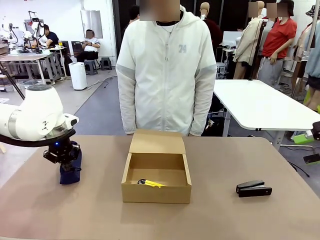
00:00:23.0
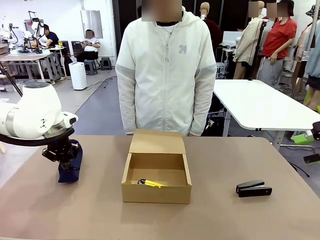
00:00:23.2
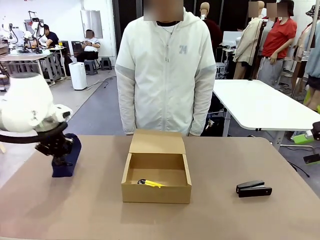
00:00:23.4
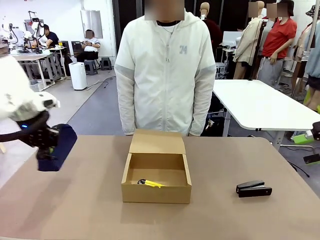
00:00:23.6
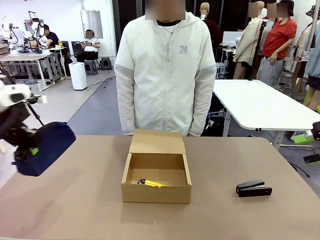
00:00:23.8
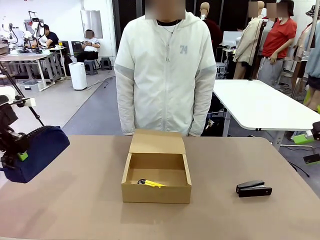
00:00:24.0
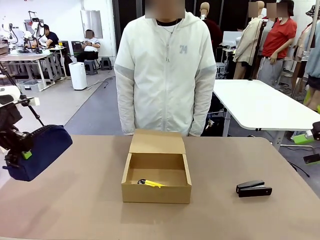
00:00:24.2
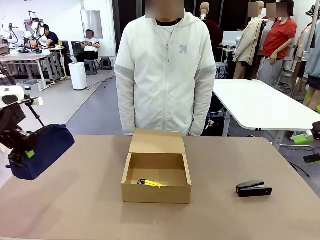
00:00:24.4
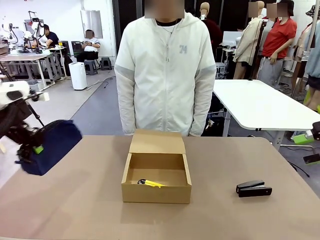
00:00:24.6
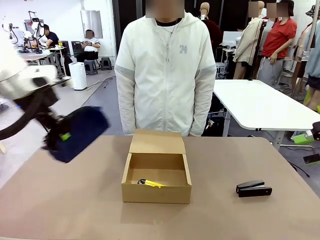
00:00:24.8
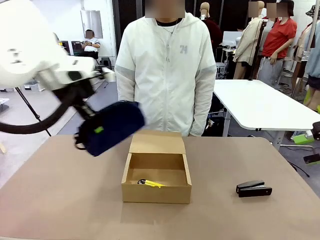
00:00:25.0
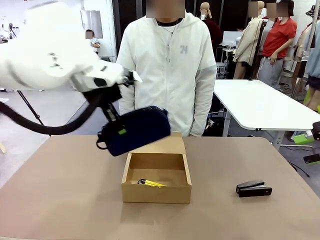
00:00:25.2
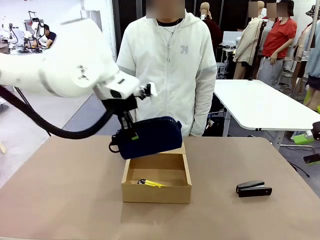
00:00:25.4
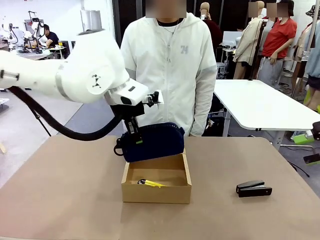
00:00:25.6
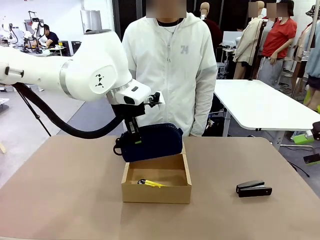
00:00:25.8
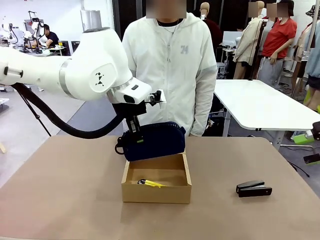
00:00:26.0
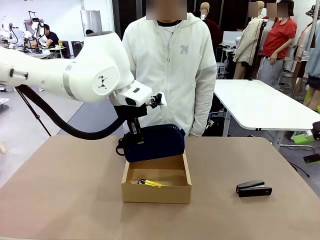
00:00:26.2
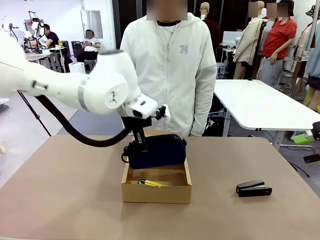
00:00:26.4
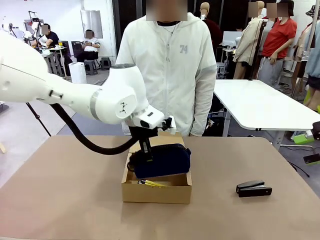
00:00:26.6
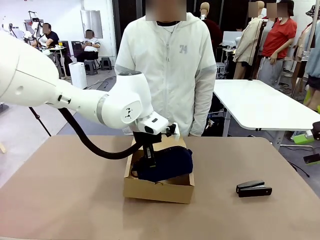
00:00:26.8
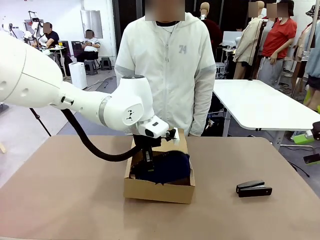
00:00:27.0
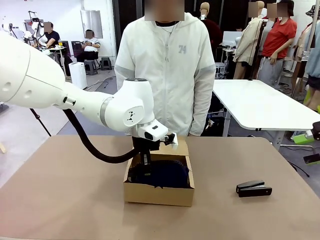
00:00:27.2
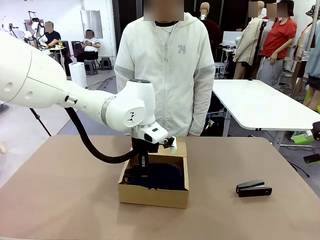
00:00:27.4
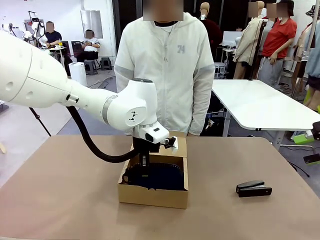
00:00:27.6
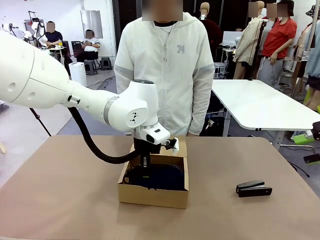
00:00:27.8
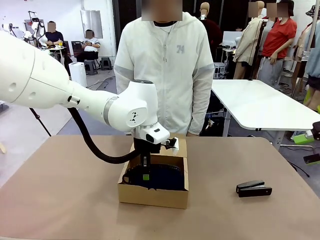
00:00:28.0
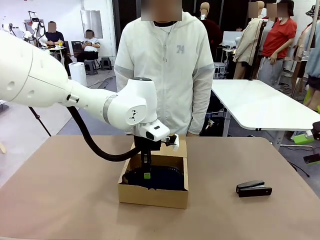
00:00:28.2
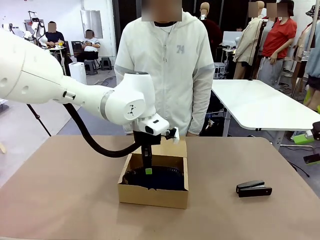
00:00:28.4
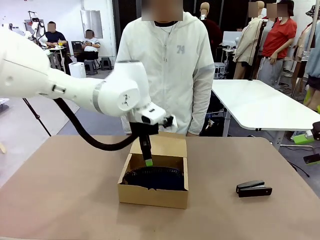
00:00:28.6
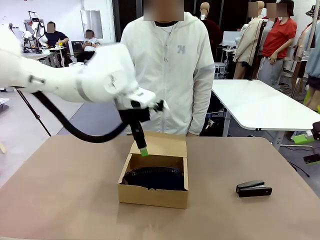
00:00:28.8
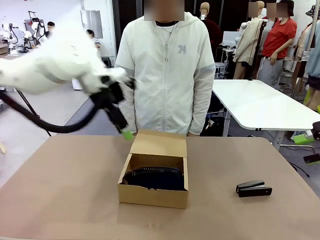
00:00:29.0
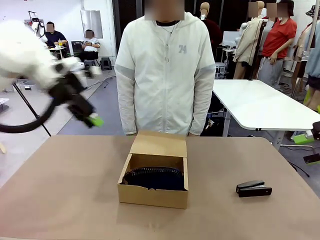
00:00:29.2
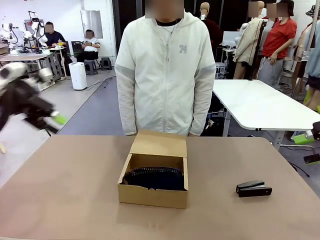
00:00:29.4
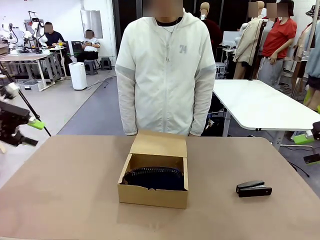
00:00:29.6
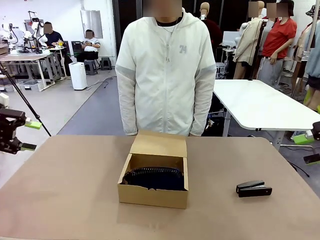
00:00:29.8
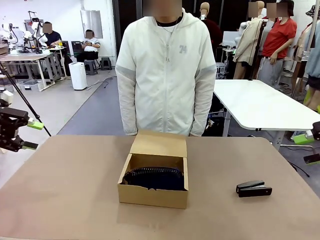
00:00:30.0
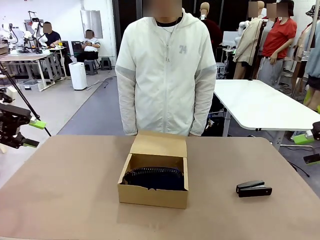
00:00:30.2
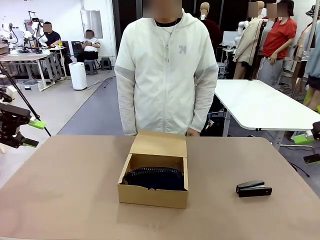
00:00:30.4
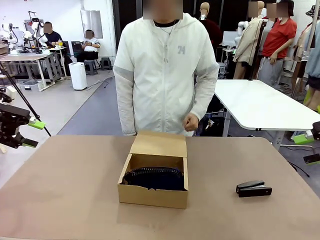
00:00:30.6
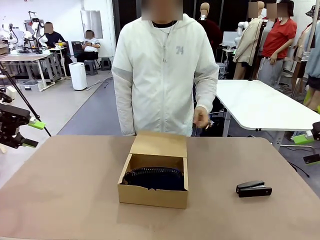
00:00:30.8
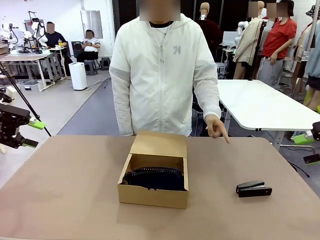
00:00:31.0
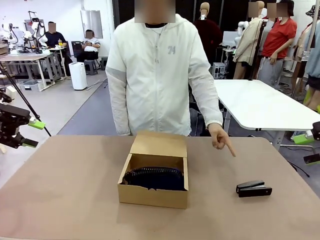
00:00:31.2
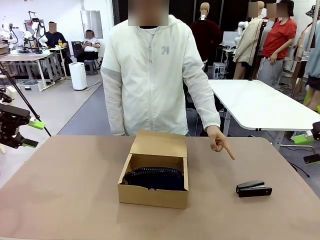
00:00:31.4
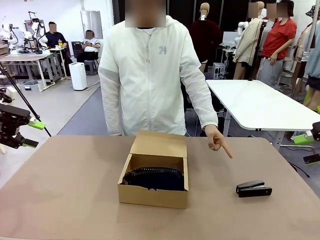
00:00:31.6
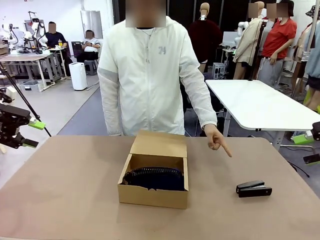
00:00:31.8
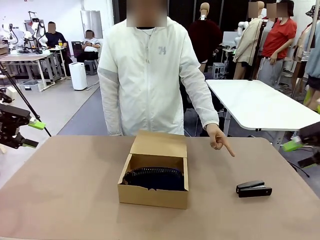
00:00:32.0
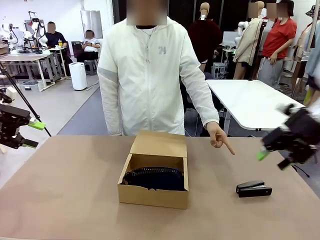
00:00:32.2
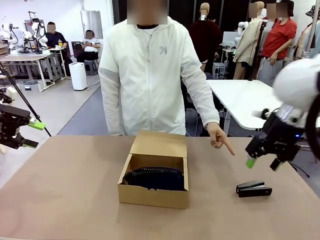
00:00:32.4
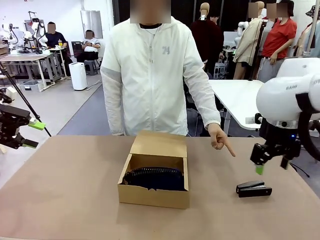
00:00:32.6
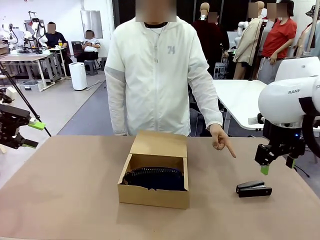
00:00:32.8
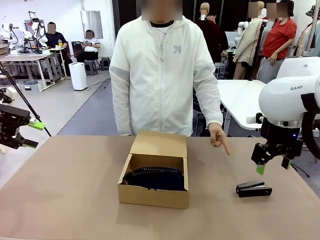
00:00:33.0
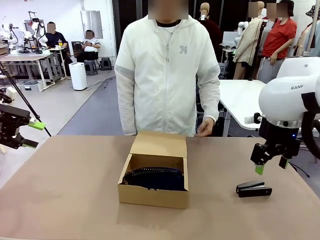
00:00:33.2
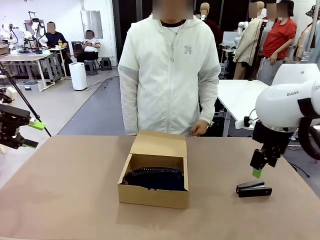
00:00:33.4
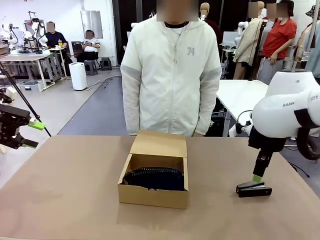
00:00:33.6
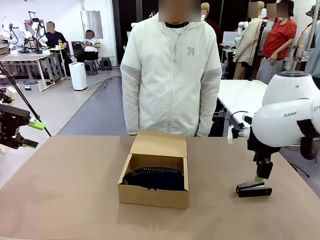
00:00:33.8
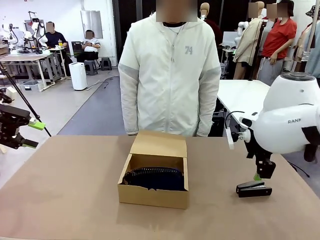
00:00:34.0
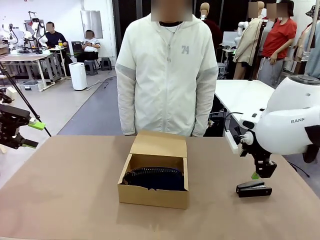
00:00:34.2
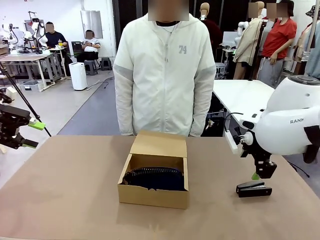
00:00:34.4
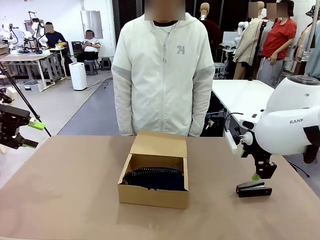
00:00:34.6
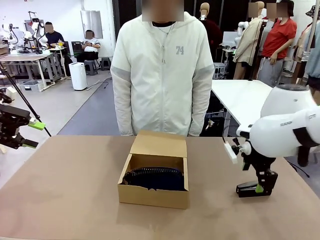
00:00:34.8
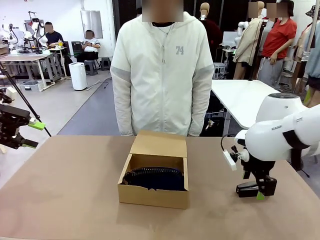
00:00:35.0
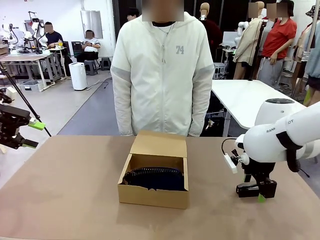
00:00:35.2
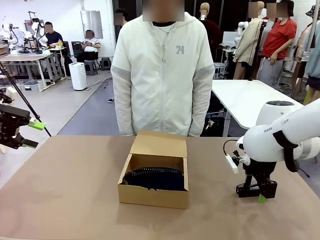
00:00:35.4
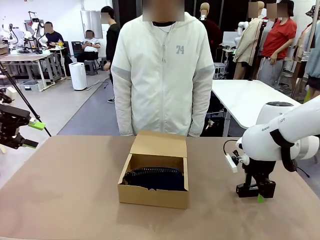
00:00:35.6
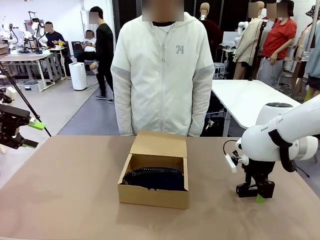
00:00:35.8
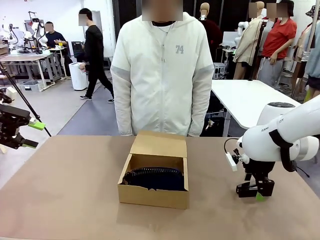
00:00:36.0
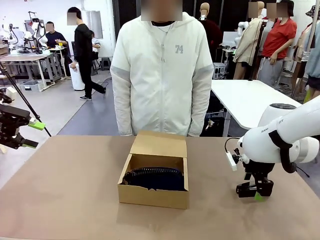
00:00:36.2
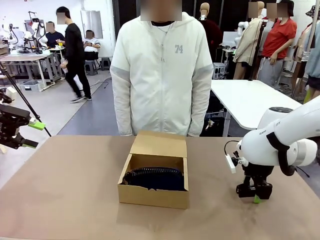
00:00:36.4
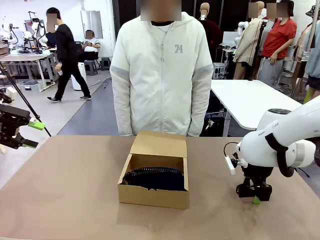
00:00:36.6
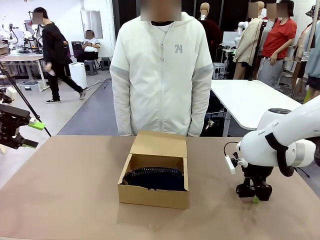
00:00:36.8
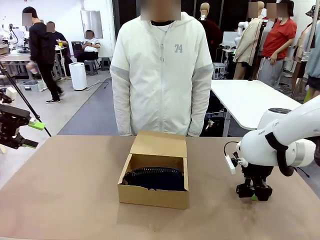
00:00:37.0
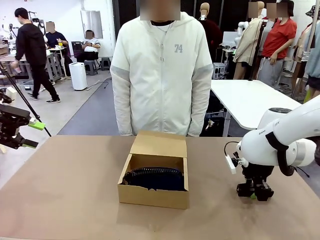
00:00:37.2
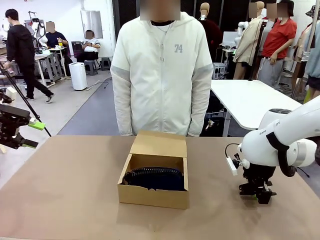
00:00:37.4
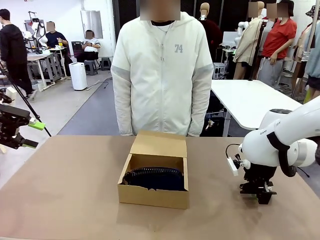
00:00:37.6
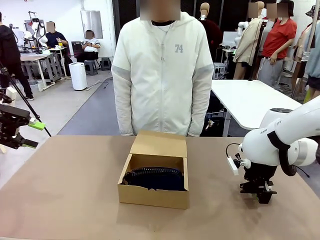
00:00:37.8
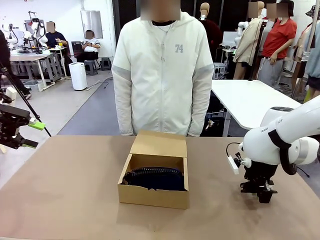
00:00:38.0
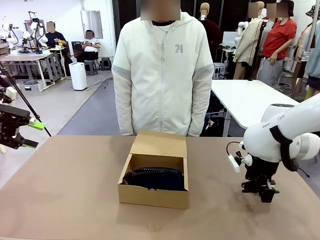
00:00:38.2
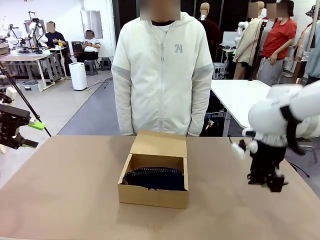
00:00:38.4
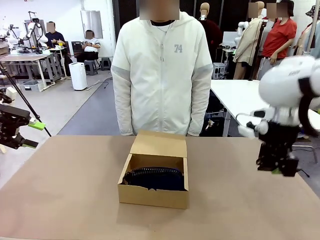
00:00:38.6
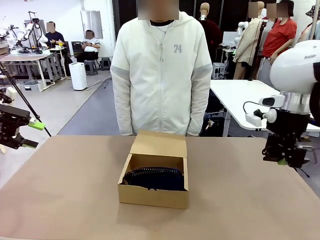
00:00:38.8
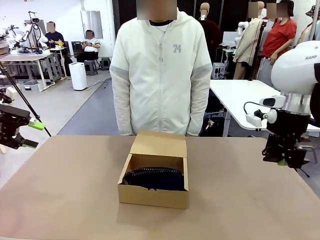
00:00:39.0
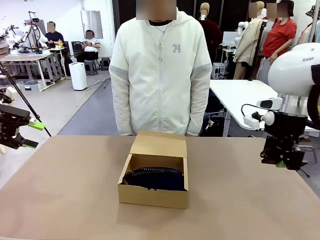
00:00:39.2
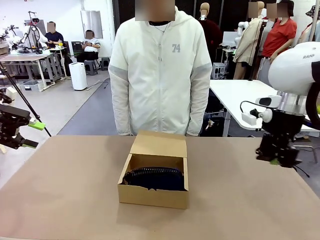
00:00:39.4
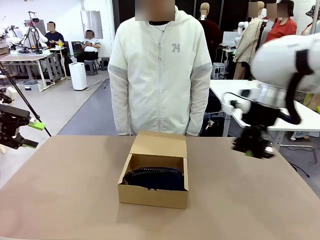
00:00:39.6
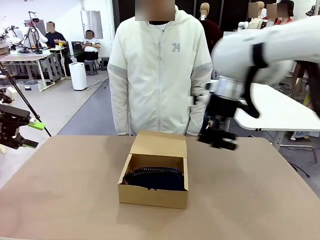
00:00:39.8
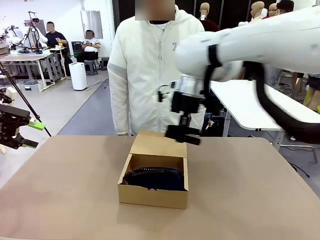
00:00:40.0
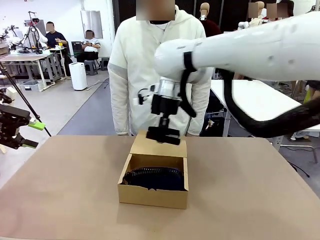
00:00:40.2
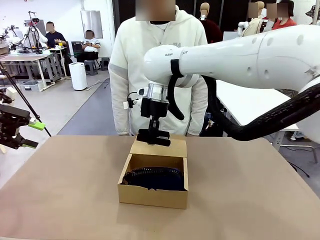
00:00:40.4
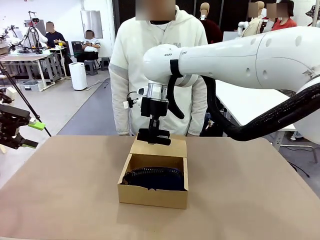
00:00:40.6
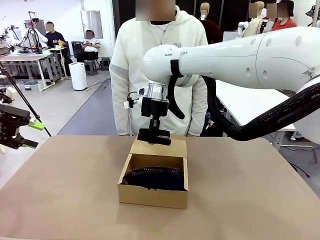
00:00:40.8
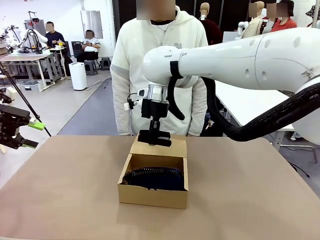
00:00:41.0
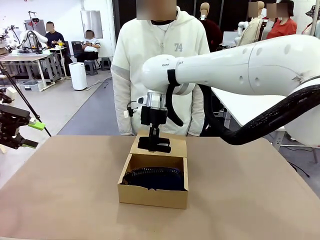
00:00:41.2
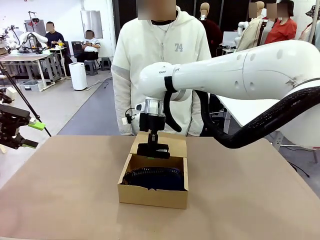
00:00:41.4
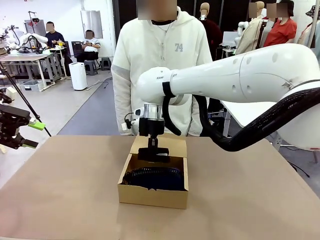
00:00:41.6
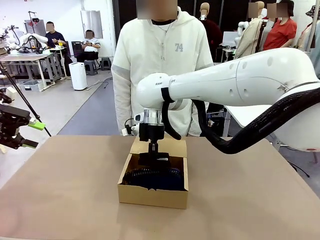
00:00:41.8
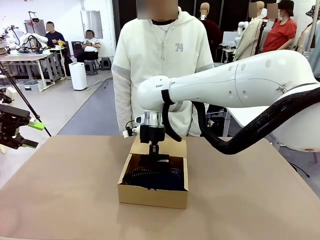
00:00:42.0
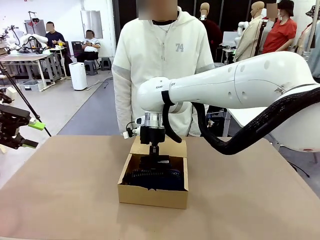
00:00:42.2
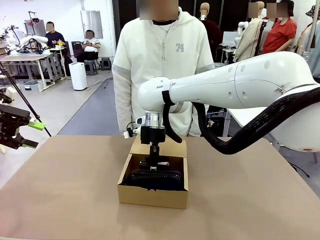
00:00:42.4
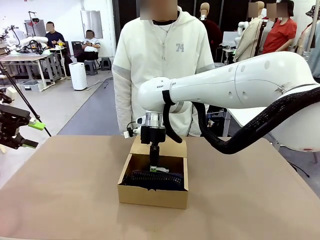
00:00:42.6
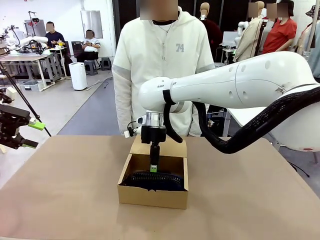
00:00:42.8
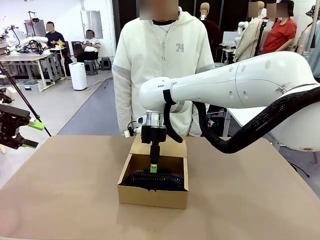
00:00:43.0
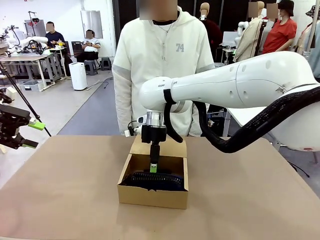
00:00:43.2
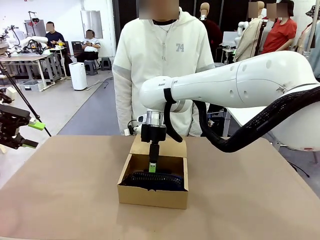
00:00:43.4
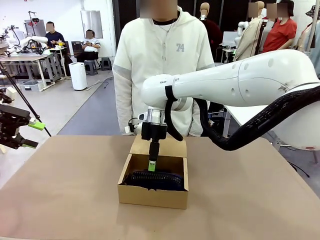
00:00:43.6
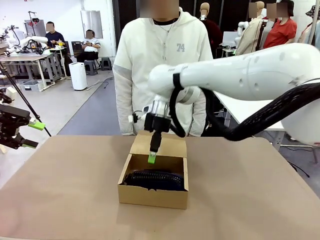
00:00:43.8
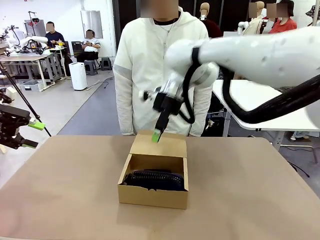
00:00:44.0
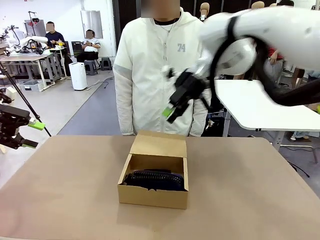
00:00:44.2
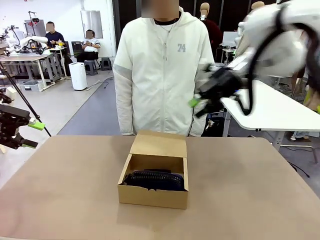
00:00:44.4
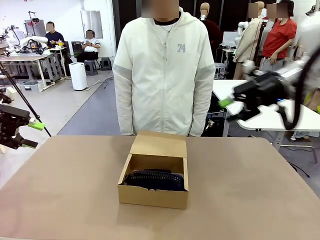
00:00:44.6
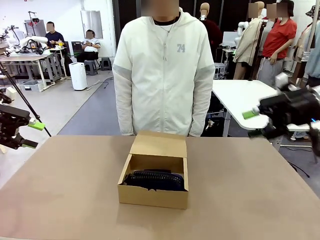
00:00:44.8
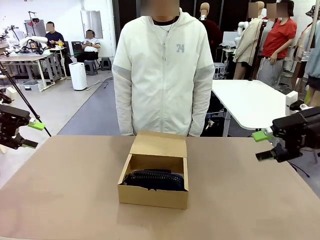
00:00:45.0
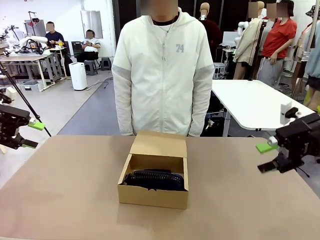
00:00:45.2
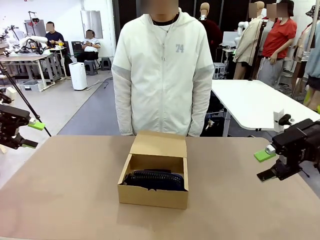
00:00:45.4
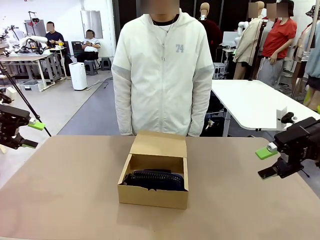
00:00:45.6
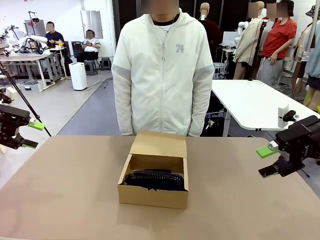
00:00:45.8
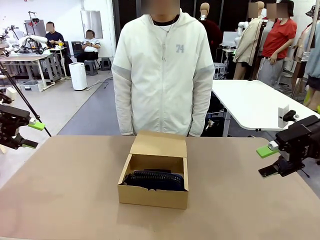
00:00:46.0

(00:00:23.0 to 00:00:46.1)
Task: Pack the items into the box.
Robot: Pick up the item indicated by the person and place it inside the Mailer Box.
Person: Lower both hands vertically with palms facing downward, as if pressing something closed.
